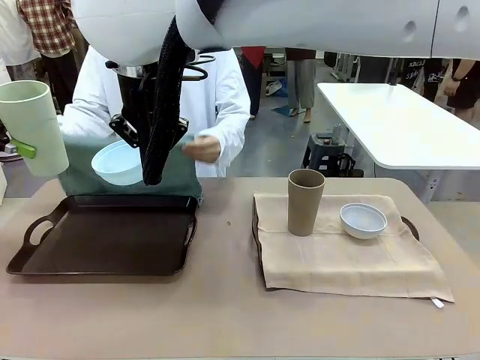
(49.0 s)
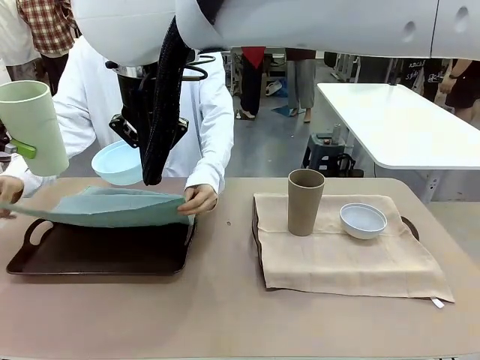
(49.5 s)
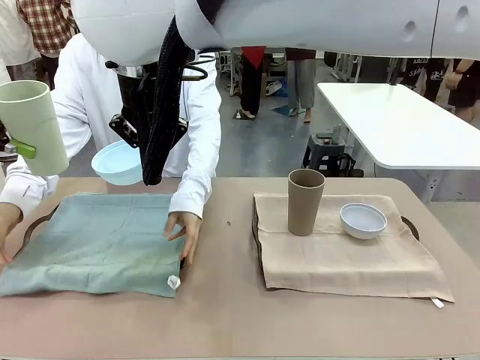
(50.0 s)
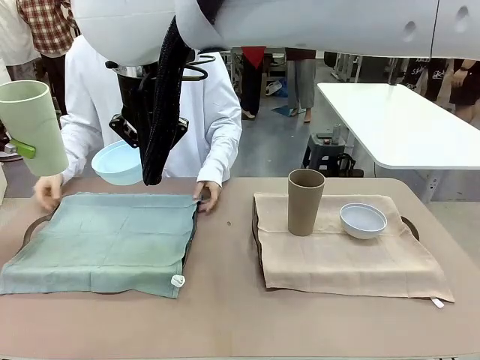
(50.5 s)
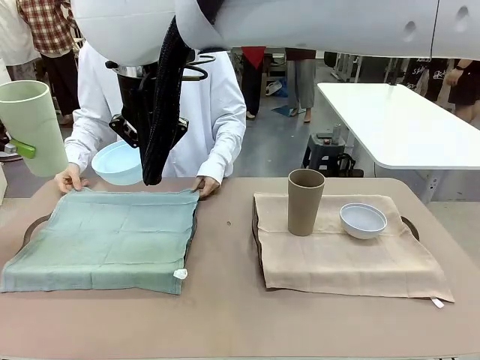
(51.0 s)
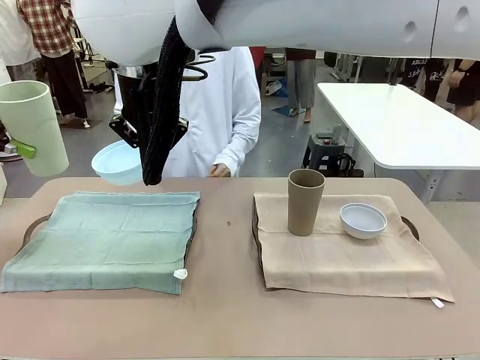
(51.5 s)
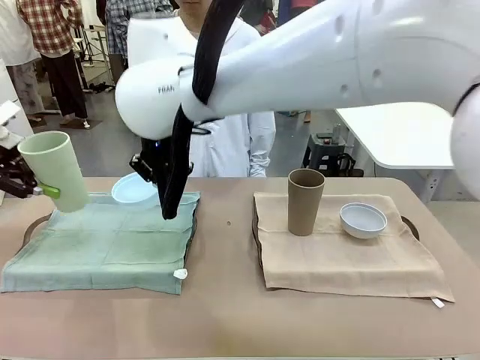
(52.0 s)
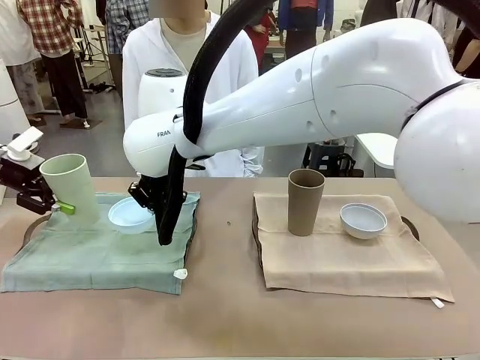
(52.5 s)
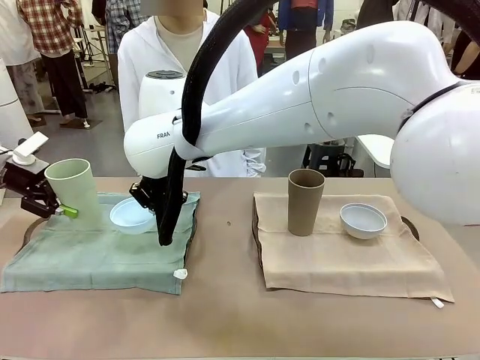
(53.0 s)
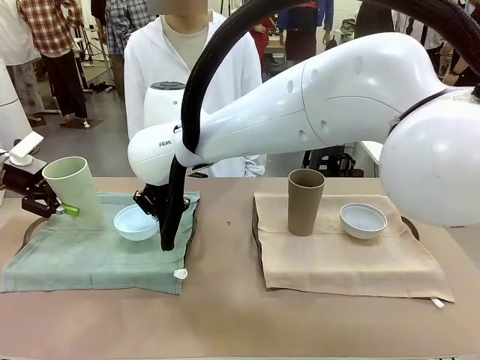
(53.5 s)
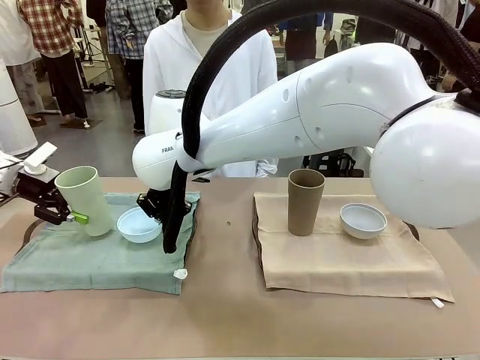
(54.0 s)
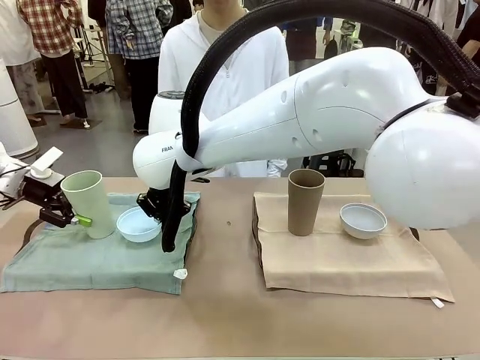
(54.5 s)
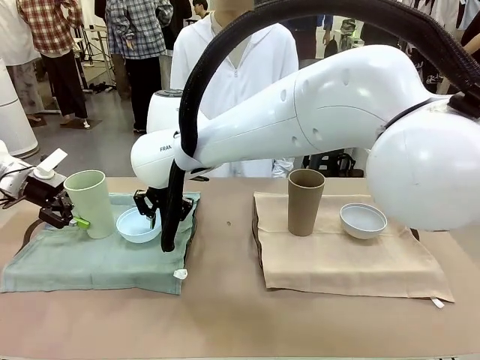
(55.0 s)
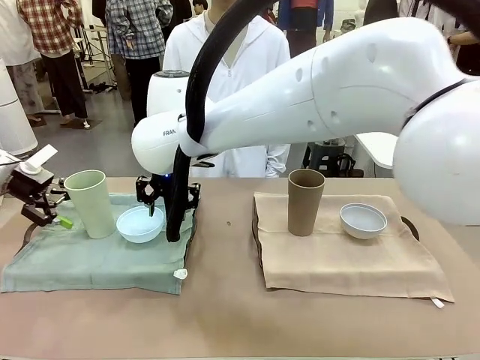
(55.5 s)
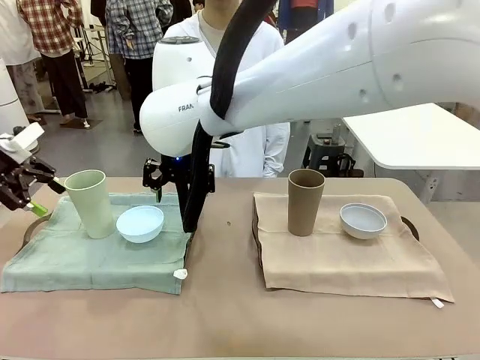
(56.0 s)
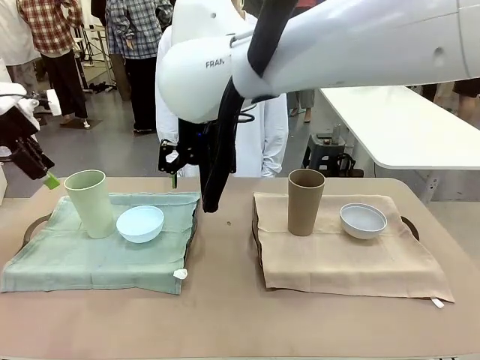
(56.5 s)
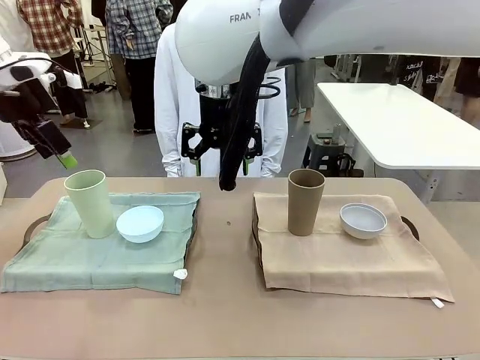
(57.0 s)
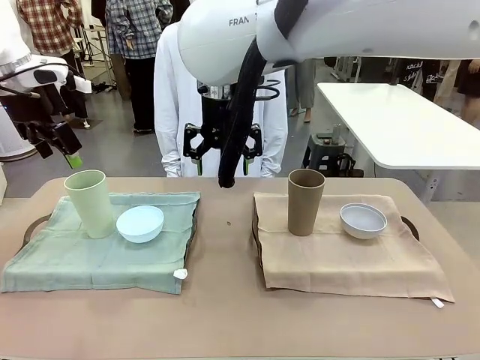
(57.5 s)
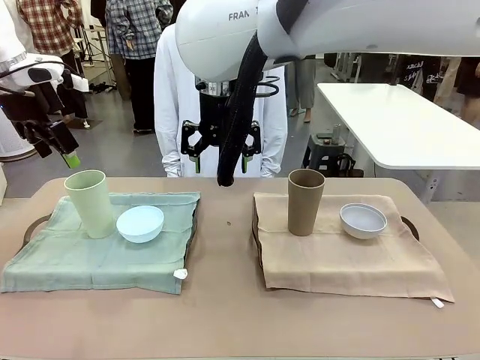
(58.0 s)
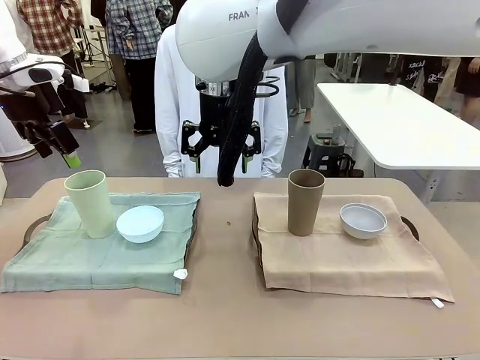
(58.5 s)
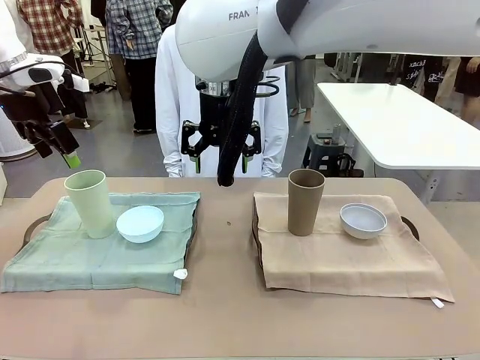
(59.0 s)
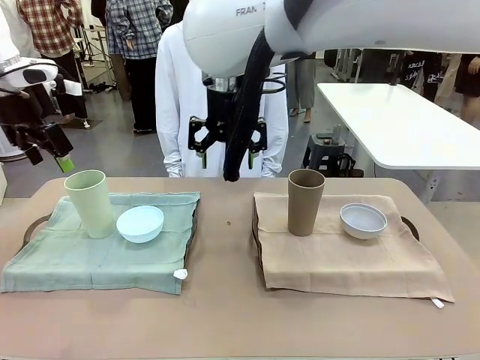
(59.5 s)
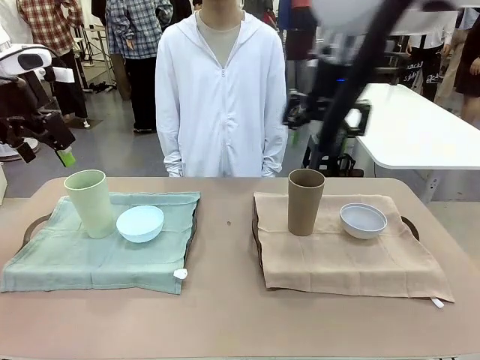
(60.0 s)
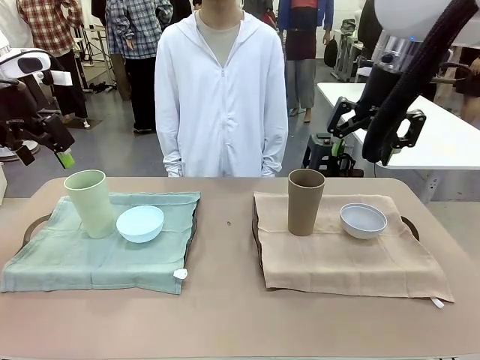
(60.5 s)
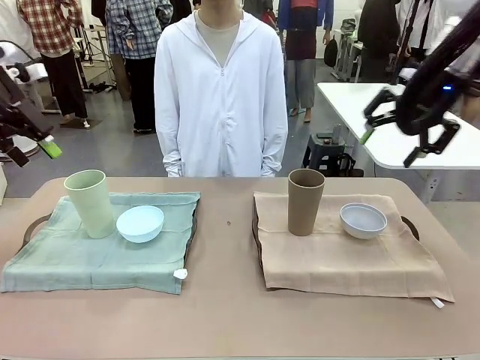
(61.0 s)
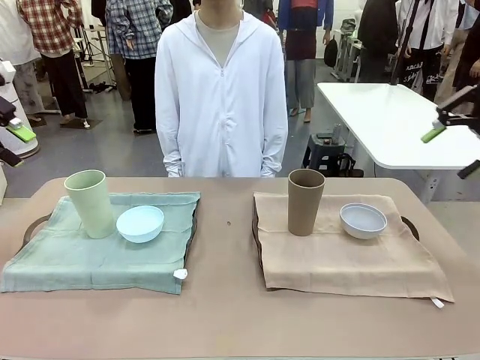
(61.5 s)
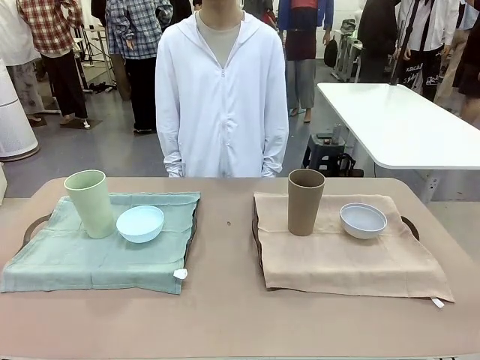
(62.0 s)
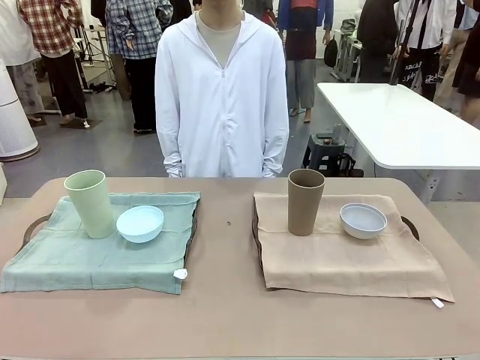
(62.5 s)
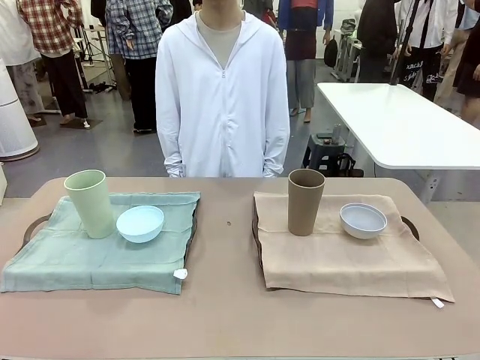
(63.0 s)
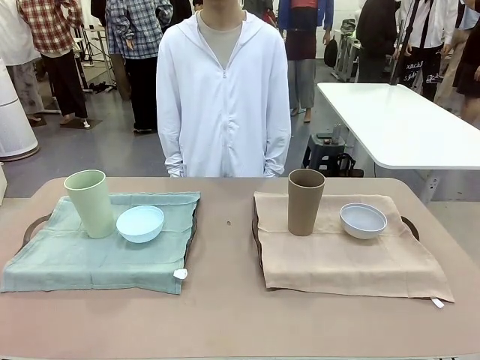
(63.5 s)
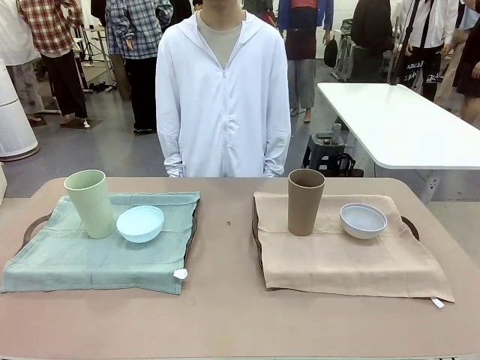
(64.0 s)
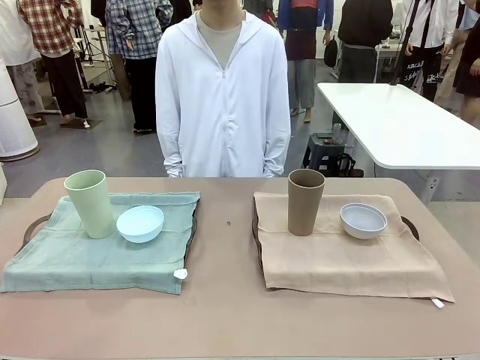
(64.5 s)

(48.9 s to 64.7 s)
Robot: Place the Picnic Bowl and Reusable plastic cup back onto the Handle tray in front of the human's position.
Person: When the robot lifts the bowl and the cup, the human unfolds the napkin and lays the napkin flat on the tray.

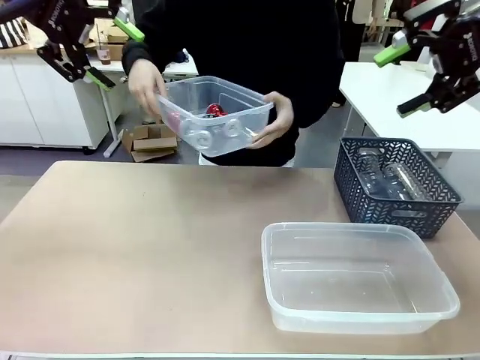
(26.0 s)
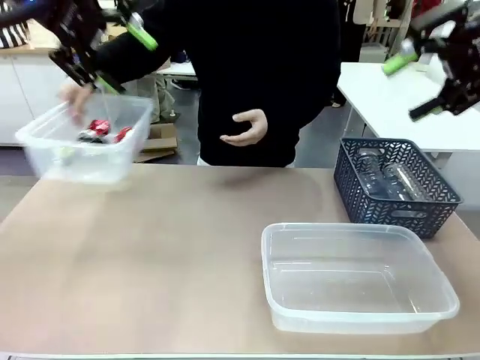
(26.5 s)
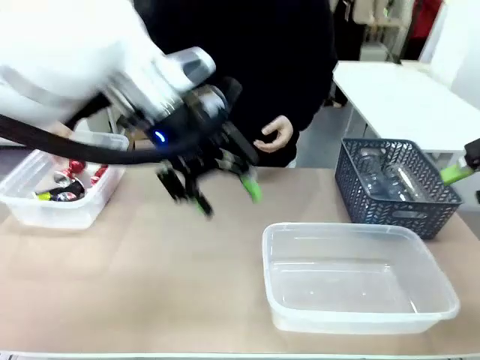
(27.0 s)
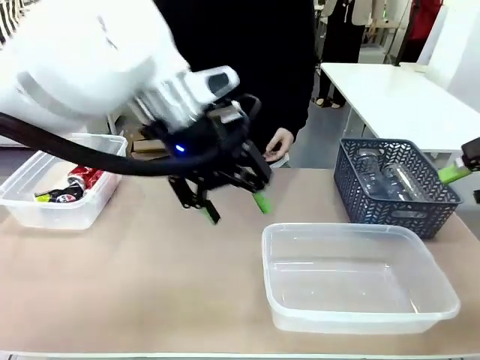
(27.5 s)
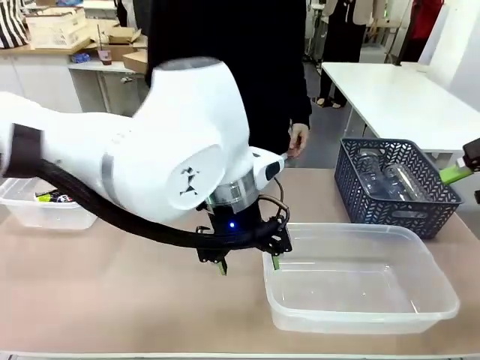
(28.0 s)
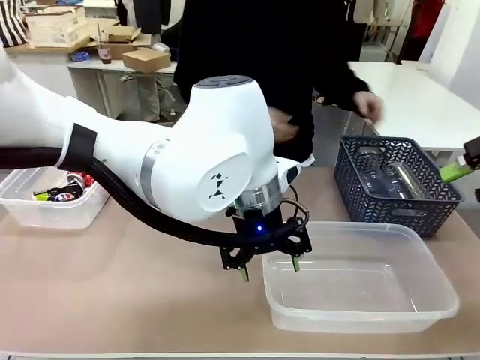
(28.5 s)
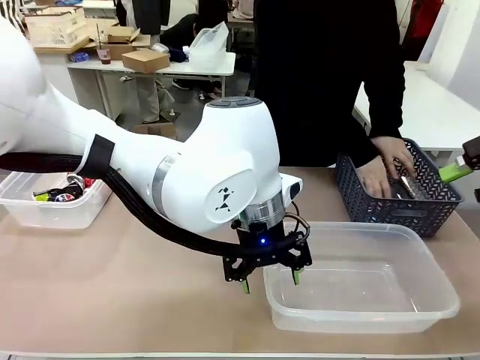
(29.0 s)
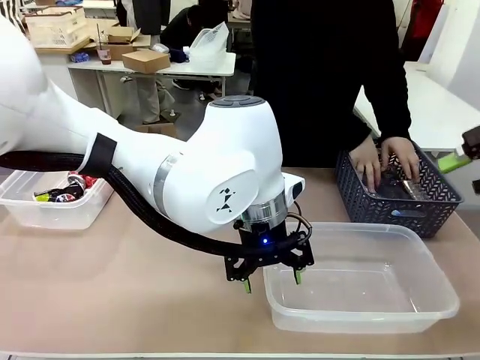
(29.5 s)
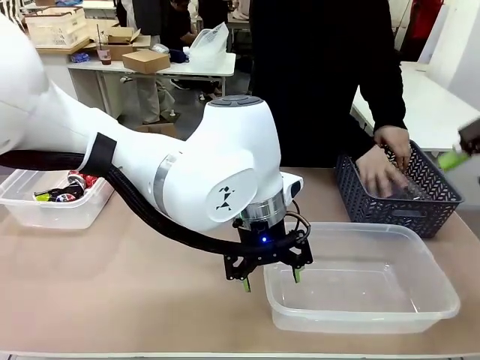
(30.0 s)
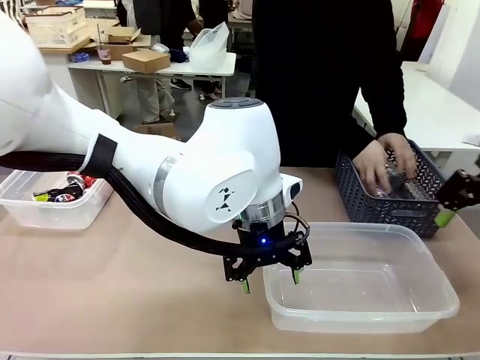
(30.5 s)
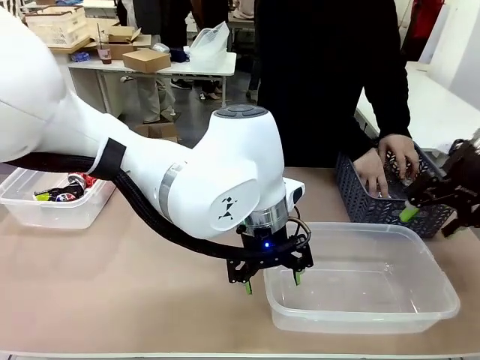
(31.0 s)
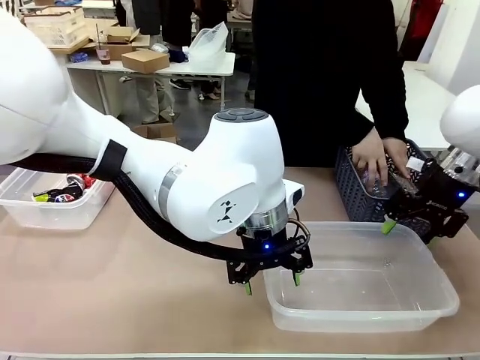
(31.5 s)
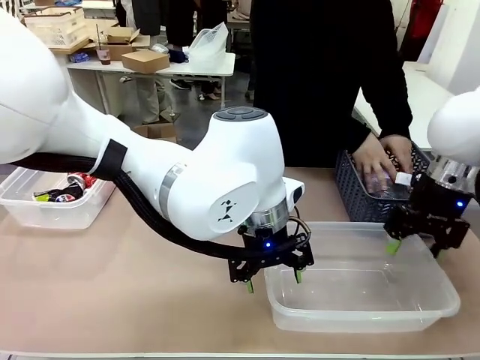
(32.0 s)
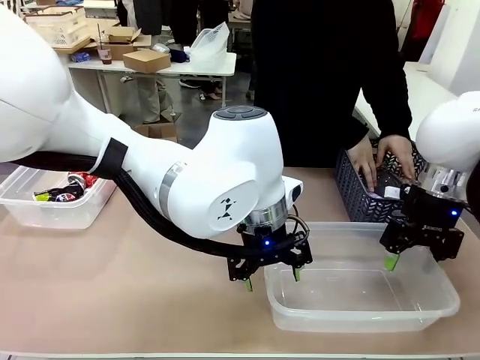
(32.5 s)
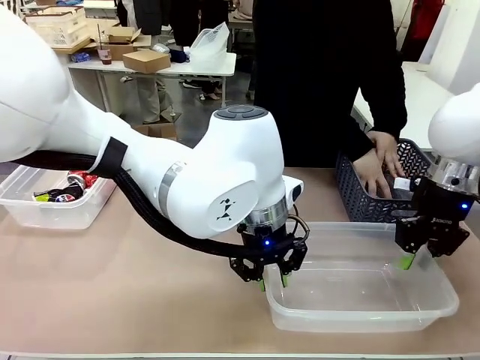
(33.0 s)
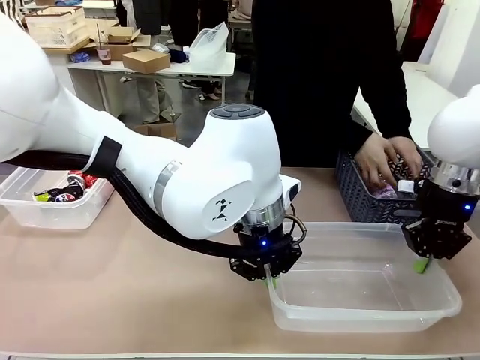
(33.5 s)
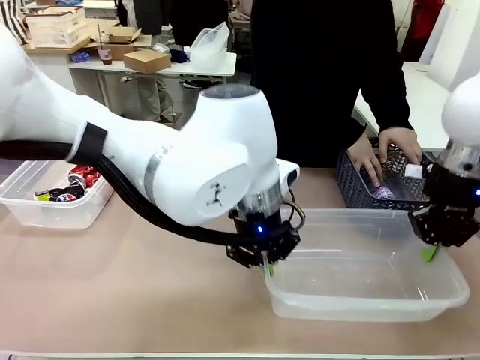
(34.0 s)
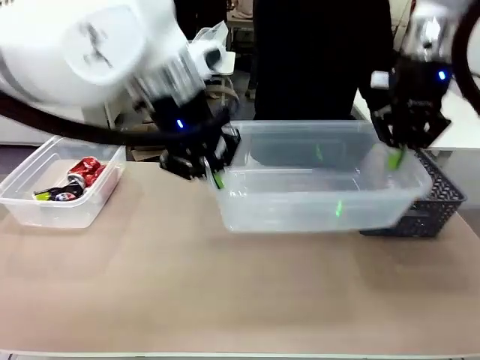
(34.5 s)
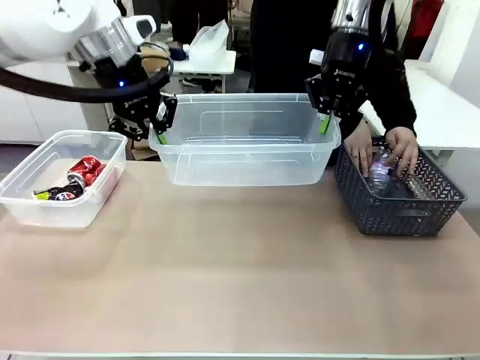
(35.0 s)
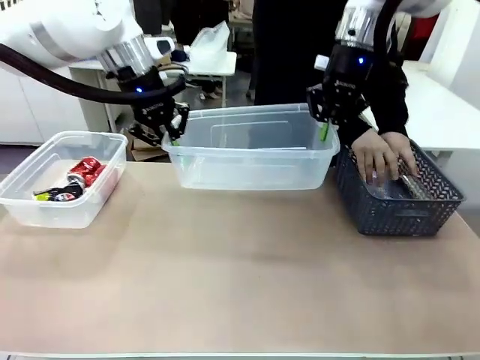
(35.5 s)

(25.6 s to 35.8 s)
Robot: Pick up the Organizing box on the right side of the table and lift it.
Person: Place it at the edge of the bottom right area of the robot table. Pick up plastic waste one by one and place it into the organizing box lifted by the robot.
